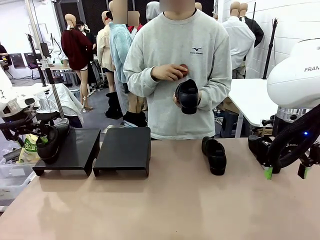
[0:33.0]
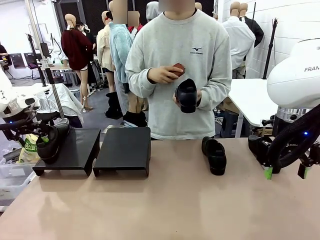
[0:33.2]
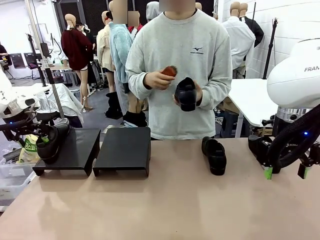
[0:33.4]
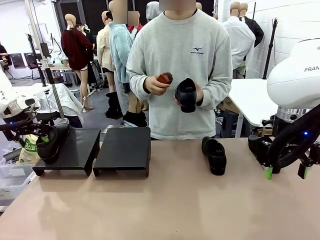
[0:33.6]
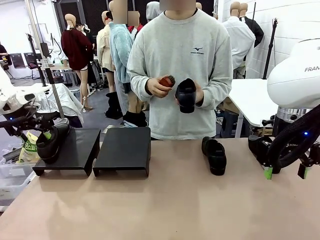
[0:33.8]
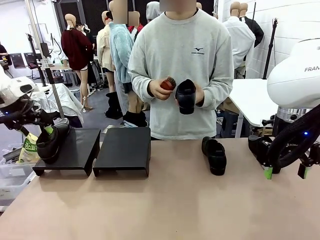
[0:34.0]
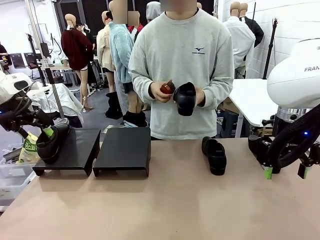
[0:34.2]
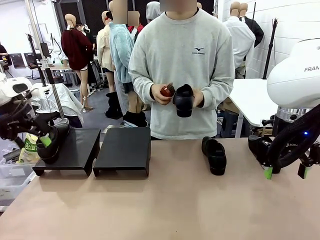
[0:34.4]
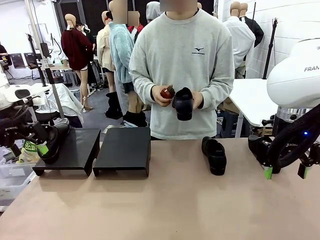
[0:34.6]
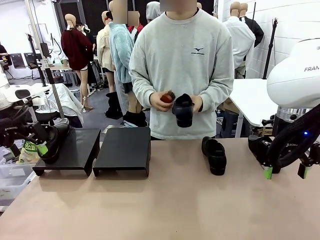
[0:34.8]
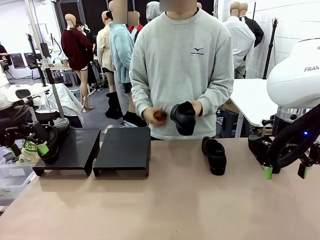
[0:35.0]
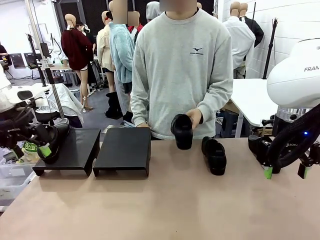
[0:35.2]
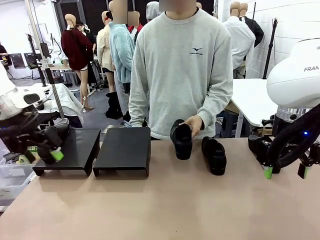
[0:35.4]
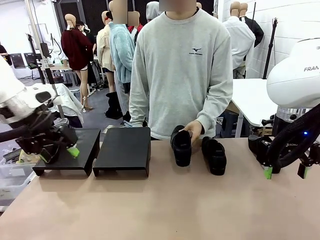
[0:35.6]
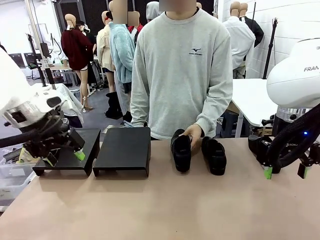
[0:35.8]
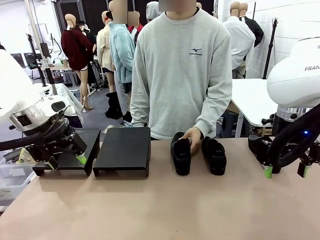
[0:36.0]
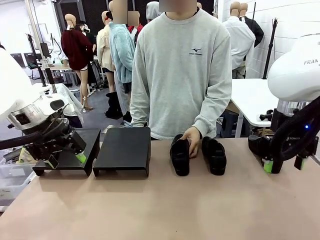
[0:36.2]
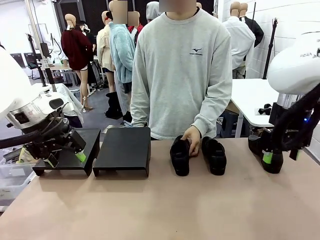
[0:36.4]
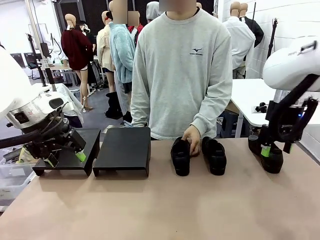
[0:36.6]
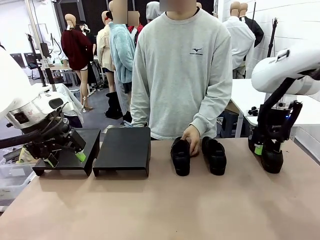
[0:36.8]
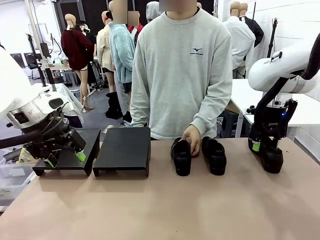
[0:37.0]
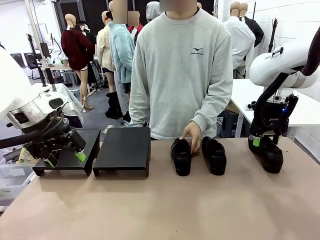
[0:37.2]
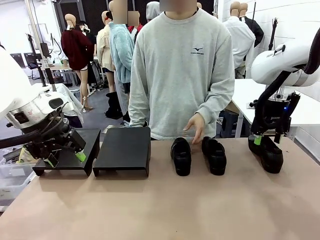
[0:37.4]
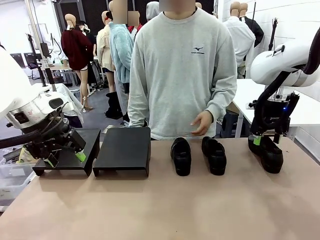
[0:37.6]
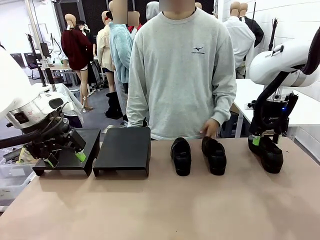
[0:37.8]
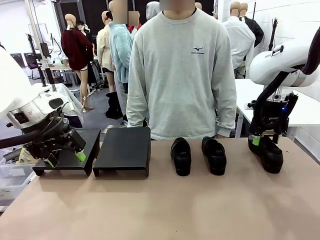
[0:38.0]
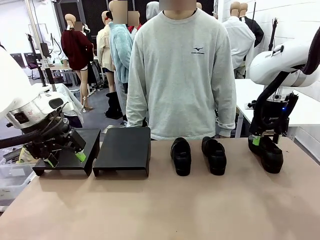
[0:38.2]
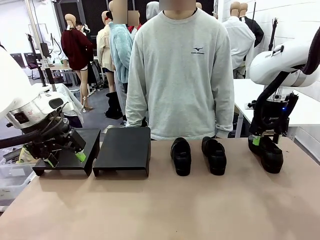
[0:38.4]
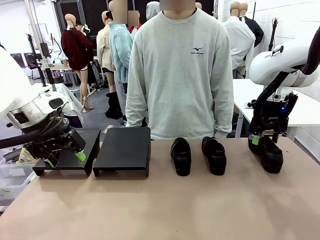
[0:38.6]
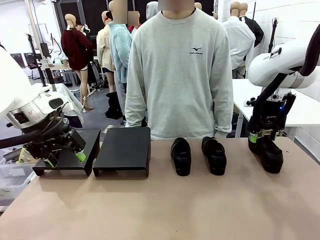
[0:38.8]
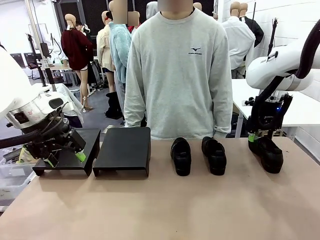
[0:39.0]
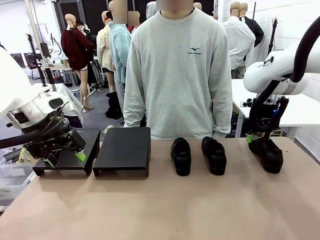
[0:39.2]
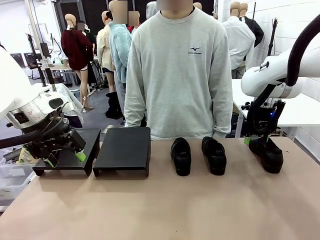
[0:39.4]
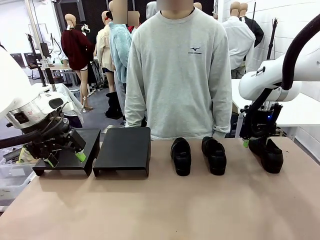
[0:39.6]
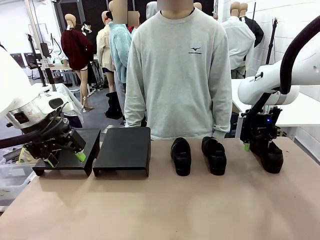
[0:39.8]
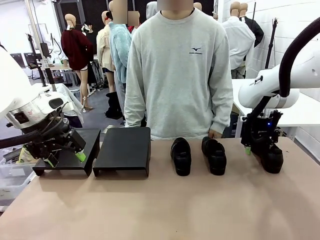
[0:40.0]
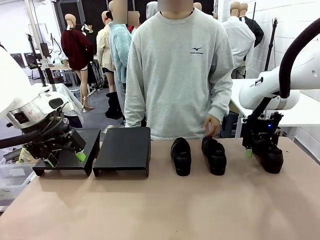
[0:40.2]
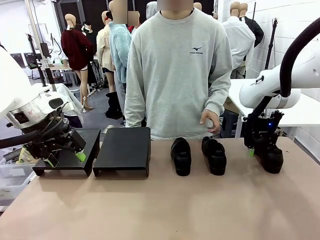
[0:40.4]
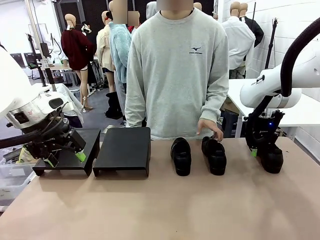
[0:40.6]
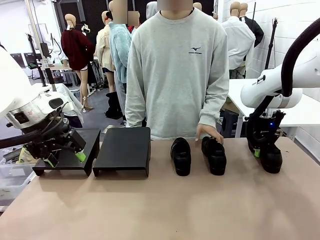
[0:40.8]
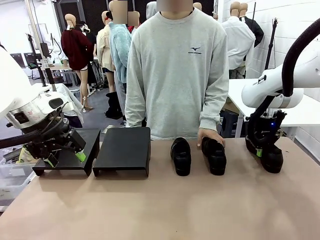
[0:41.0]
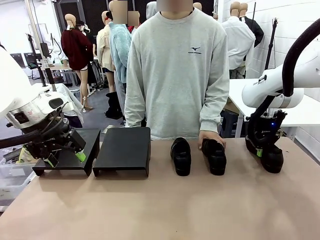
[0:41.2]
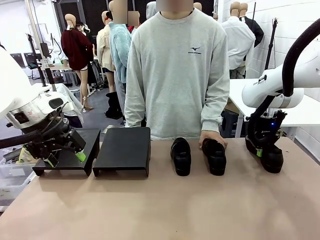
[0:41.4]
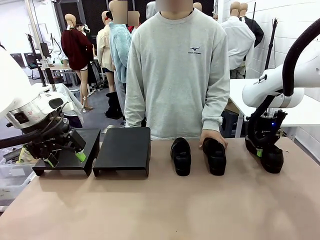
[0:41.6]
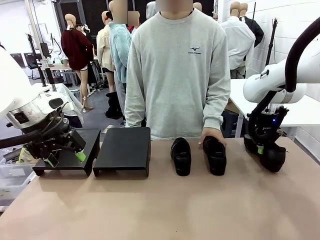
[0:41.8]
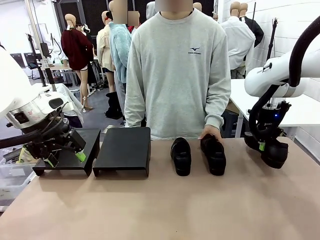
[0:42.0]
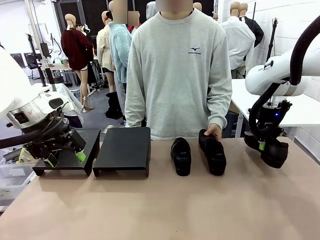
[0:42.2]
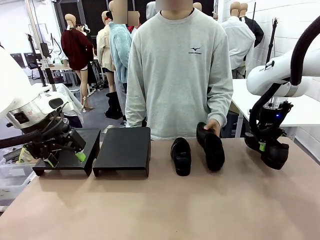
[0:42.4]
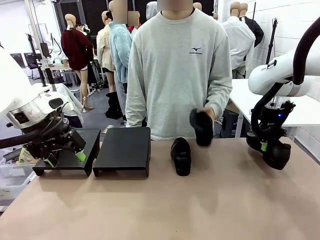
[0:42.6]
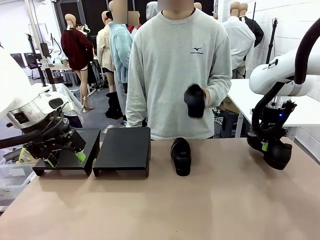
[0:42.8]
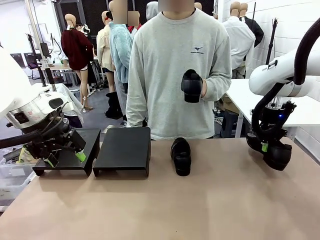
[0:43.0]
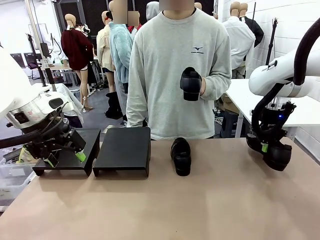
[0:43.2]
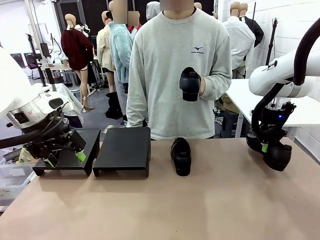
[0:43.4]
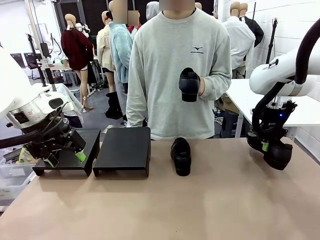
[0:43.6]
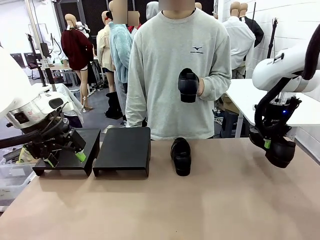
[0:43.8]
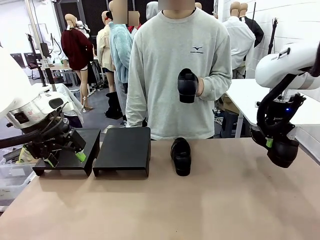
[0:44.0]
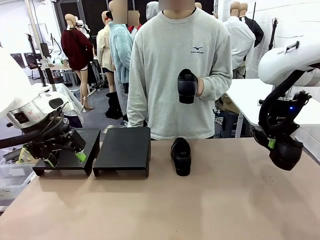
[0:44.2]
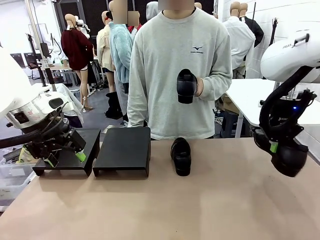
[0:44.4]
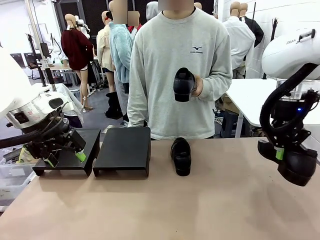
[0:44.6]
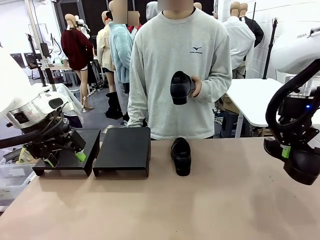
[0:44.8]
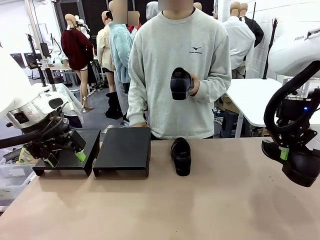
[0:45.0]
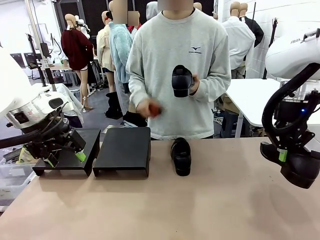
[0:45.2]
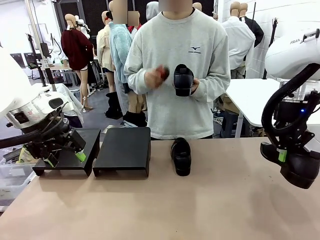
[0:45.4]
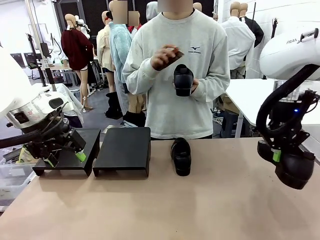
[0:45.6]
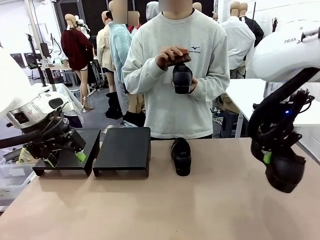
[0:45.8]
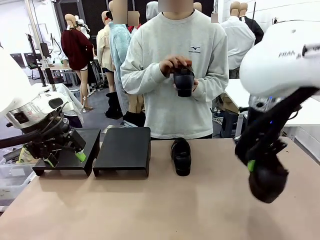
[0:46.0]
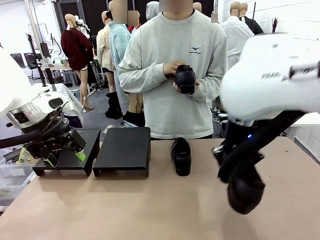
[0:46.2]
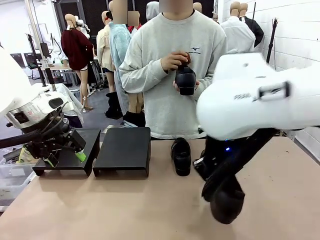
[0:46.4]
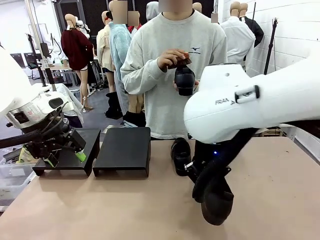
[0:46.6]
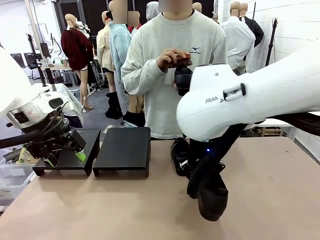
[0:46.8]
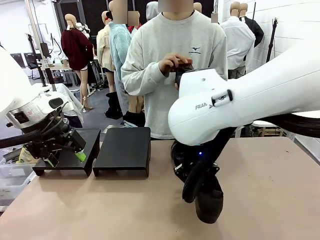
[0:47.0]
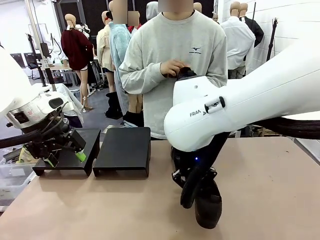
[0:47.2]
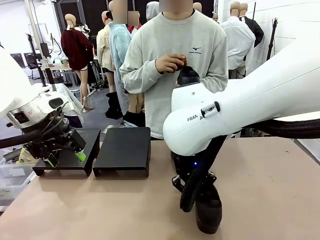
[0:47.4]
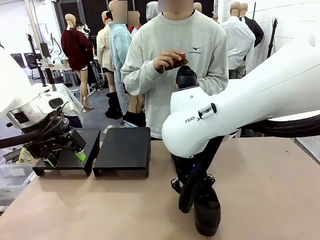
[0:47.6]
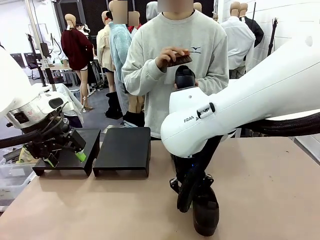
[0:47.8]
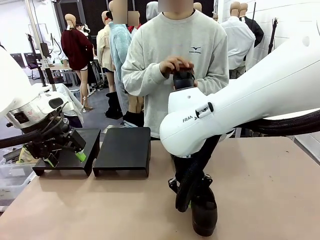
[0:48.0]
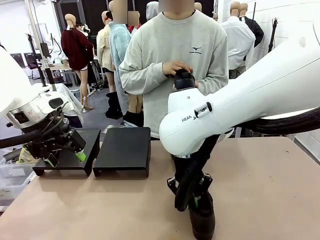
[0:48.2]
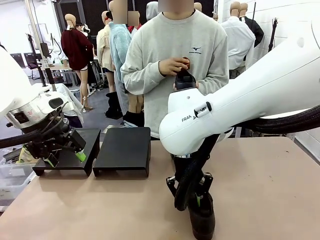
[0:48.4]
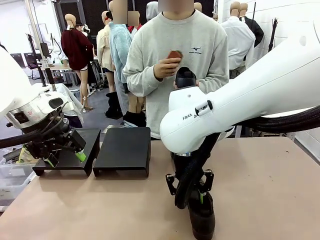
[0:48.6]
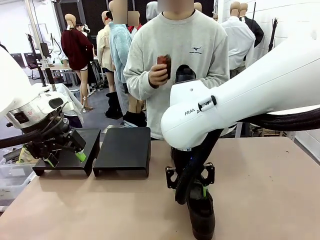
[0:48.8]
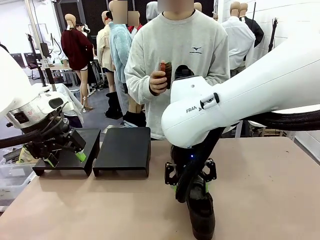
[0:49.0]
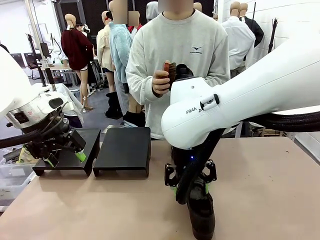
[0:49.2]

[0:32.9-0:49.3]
Task: Organize the shoes by placing them on the stand.
Robot: Pick up one Shoe and place it in the middle of the table.
Person: Place the Shoe on left side of the Robot's table. Pick one Shoe on Robot's table.

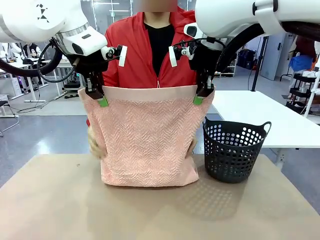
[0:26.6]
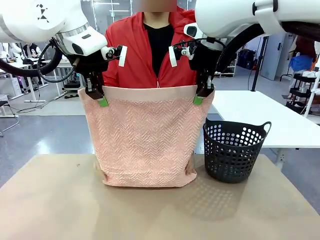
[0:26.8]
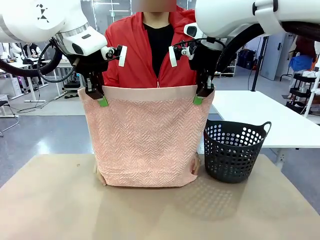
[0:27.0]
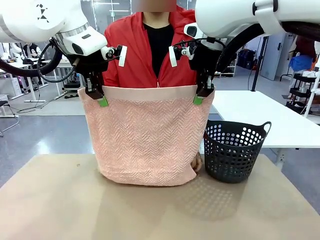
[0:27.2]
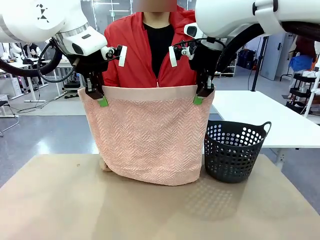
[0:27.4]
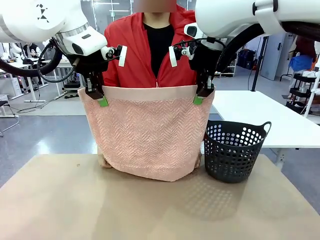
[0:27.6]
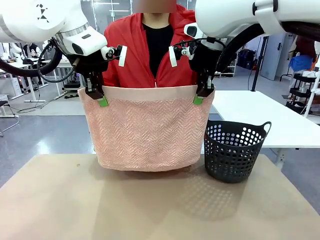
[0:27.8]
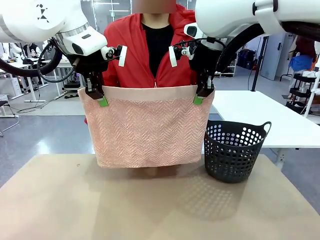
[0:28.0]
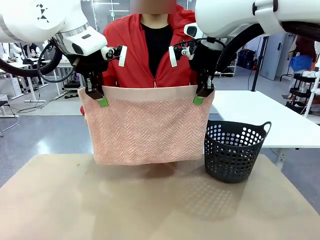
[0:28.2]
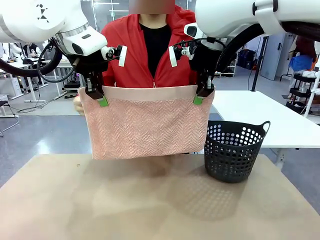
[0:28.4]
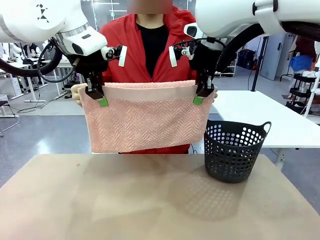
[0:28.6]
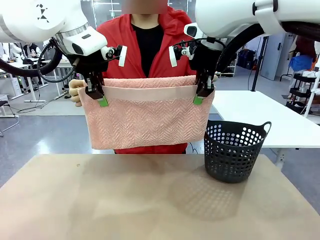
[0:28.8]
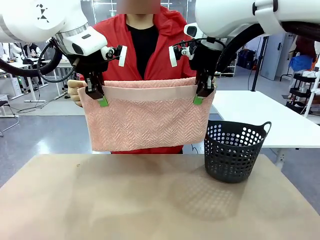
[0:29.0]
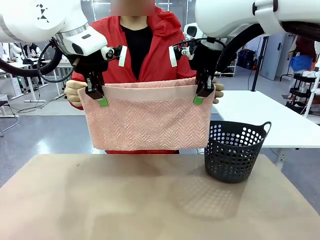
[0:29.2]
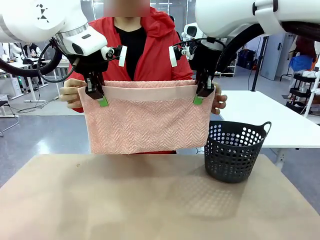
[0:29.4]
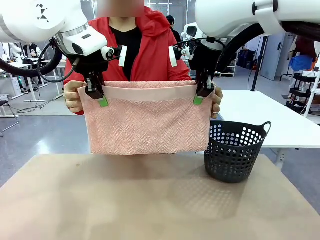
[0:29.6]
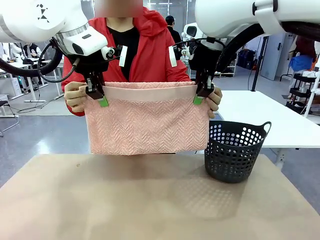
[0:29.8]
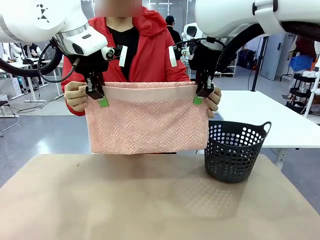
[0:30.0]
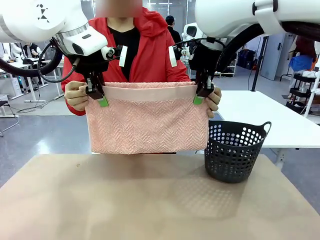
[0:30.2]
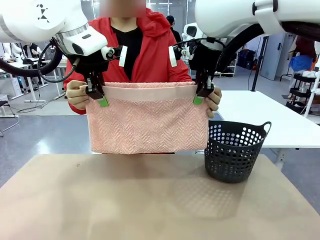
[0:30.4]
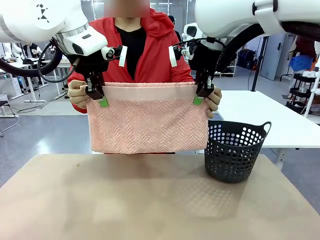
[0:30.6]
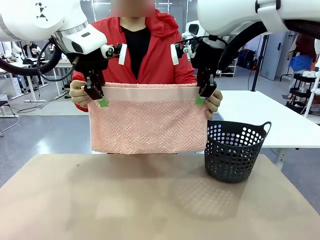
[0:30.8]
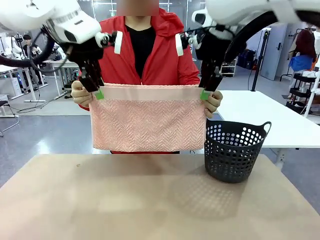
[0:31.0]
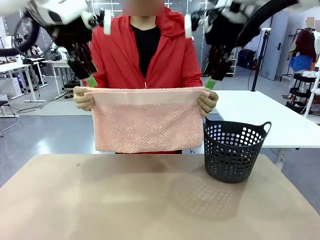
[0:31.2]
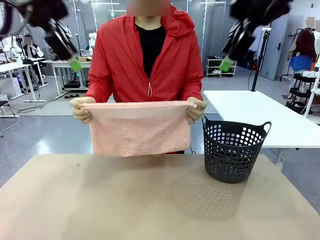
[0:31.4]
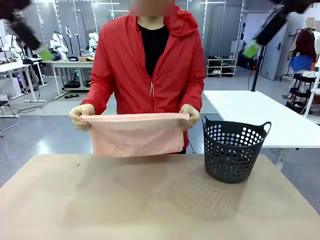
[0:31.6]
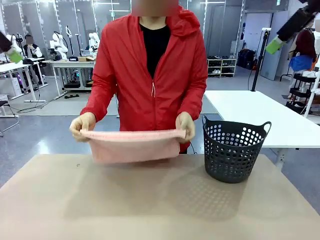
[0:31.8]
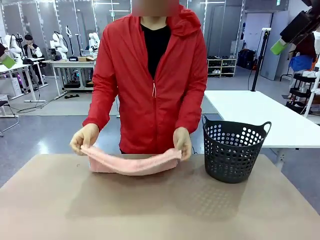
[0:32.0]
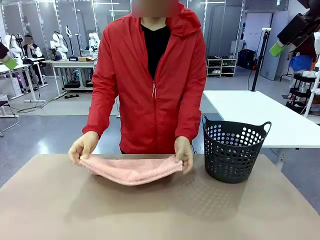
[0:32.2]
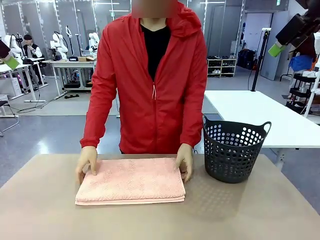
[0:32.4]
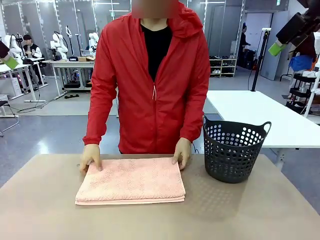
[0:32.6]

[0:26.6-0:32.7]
Task: Fold the towel.
Robot: Release the end of the 100 cm Hotel Towel you were holding.
